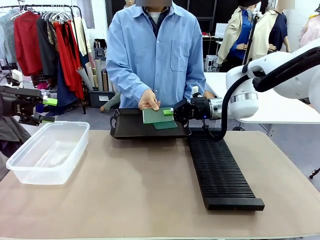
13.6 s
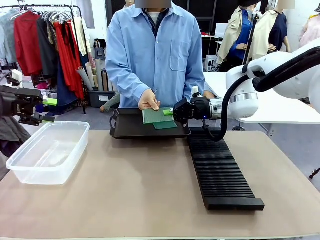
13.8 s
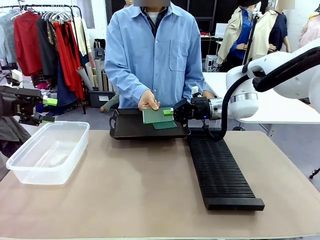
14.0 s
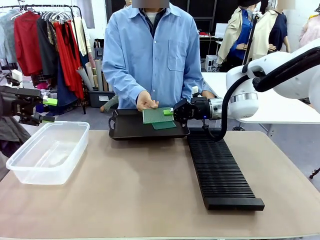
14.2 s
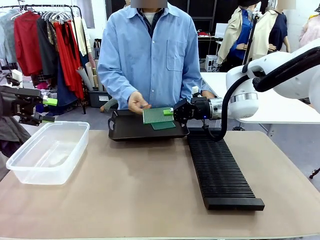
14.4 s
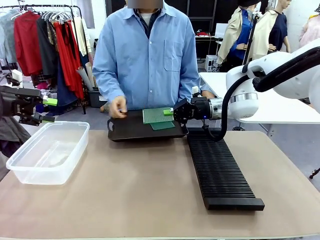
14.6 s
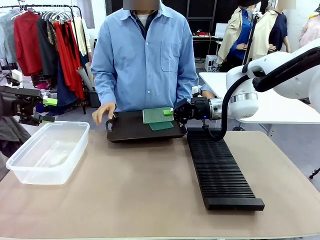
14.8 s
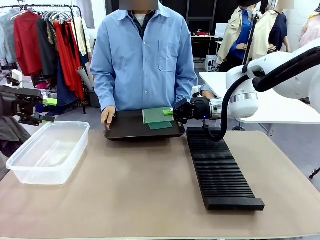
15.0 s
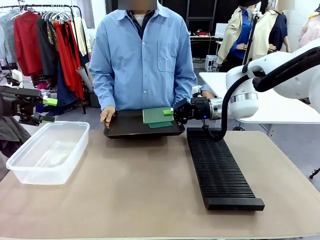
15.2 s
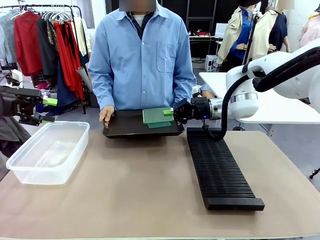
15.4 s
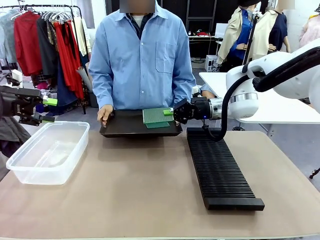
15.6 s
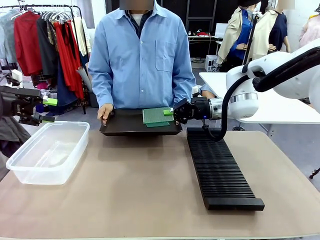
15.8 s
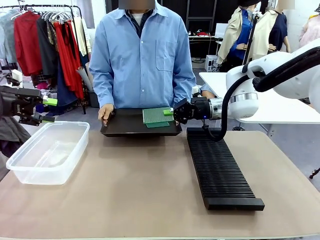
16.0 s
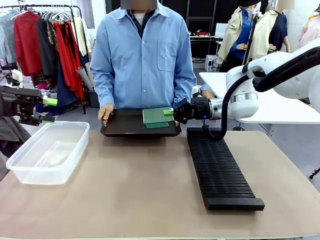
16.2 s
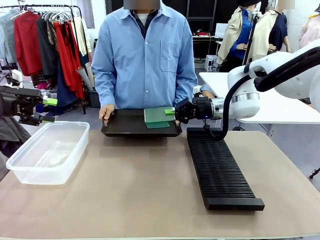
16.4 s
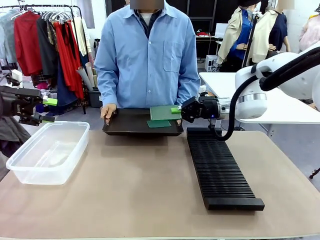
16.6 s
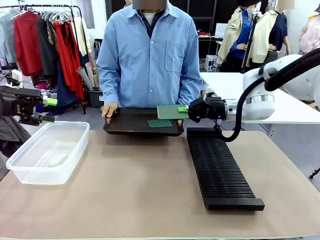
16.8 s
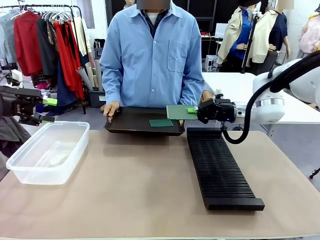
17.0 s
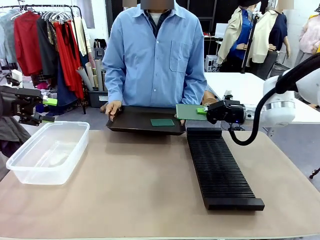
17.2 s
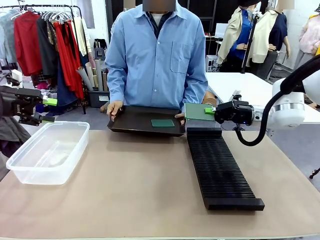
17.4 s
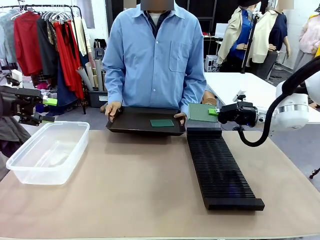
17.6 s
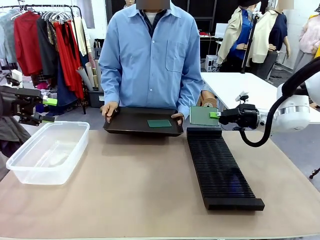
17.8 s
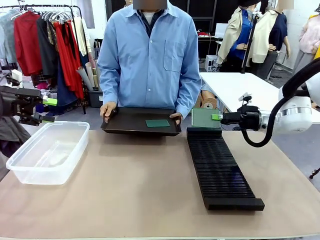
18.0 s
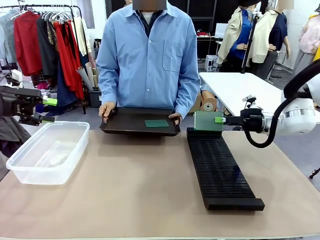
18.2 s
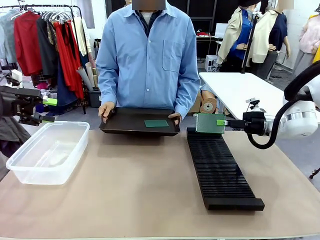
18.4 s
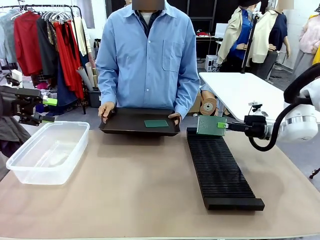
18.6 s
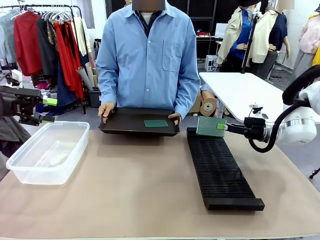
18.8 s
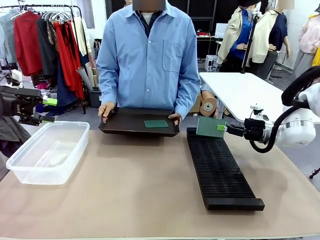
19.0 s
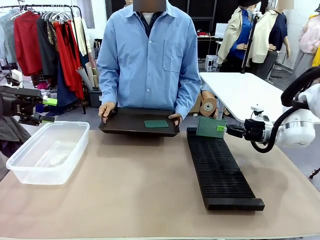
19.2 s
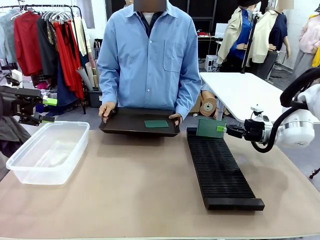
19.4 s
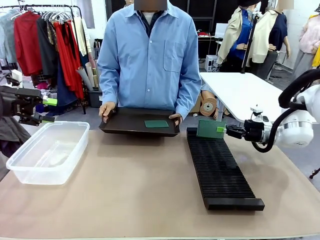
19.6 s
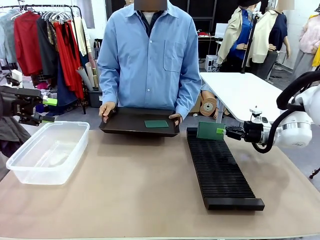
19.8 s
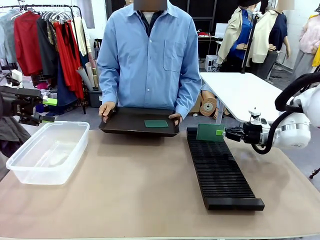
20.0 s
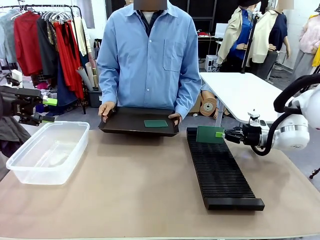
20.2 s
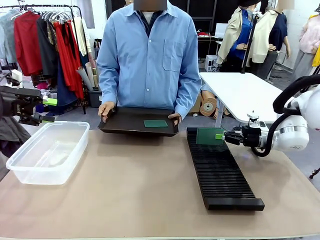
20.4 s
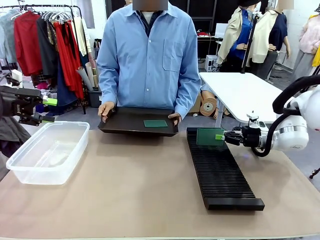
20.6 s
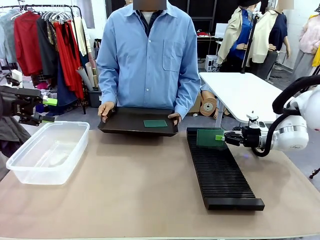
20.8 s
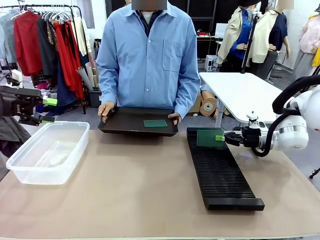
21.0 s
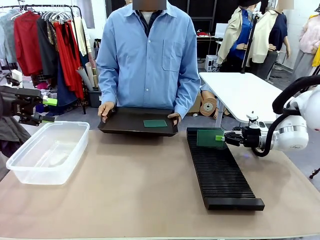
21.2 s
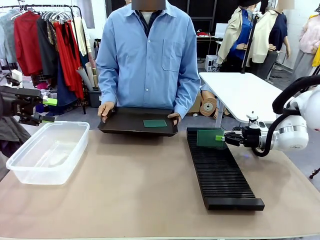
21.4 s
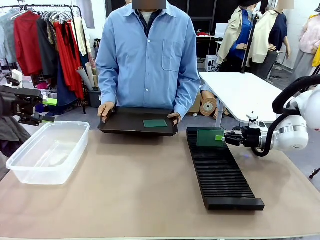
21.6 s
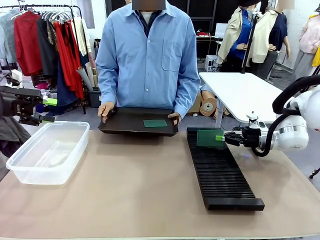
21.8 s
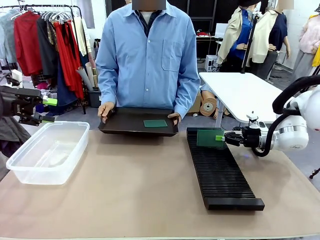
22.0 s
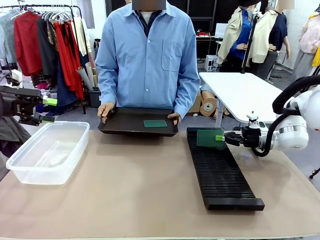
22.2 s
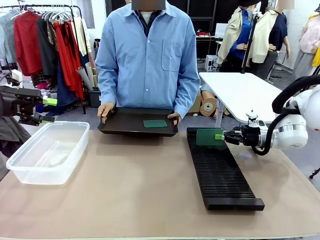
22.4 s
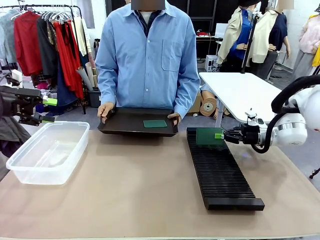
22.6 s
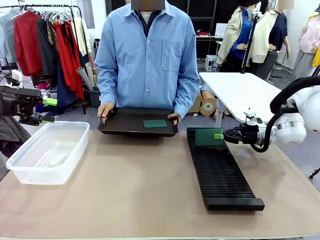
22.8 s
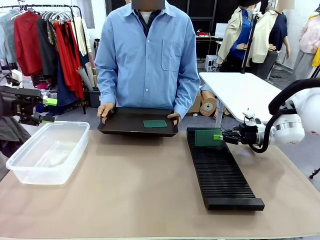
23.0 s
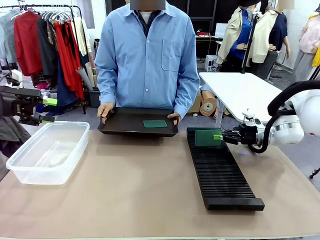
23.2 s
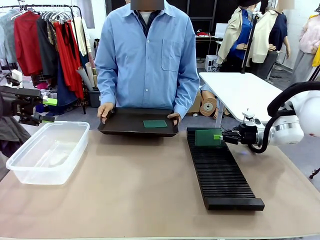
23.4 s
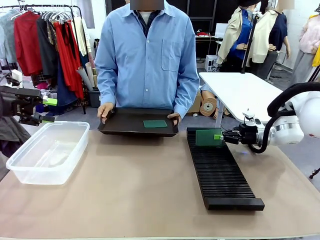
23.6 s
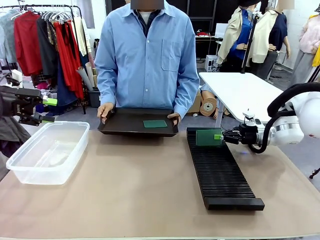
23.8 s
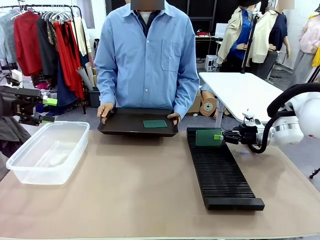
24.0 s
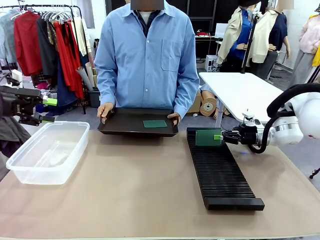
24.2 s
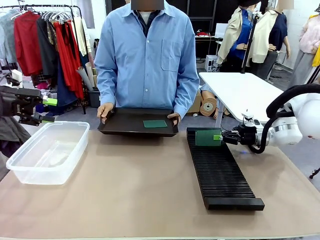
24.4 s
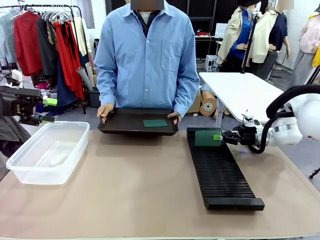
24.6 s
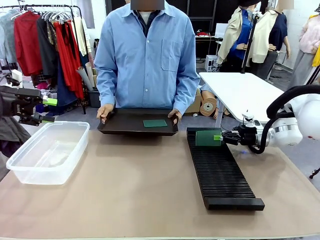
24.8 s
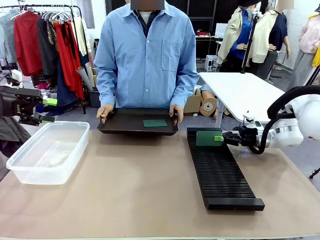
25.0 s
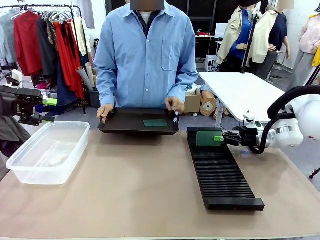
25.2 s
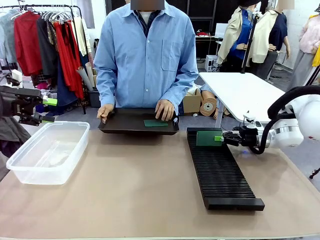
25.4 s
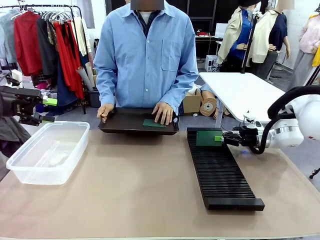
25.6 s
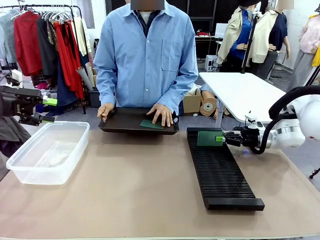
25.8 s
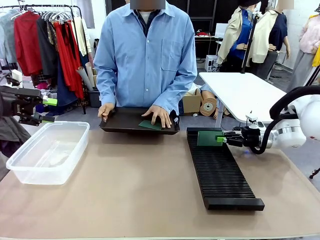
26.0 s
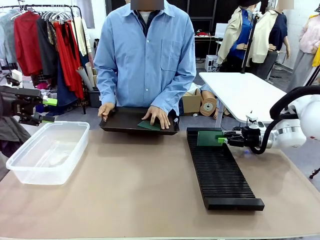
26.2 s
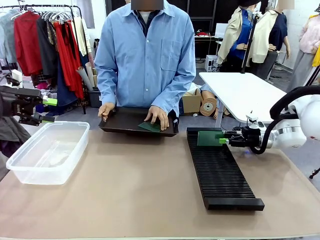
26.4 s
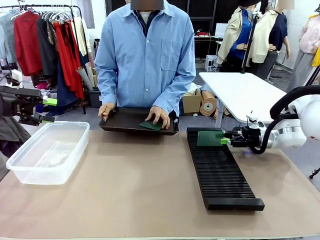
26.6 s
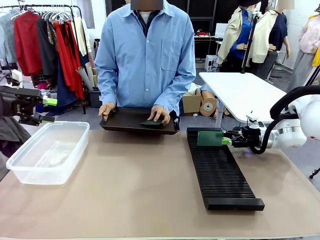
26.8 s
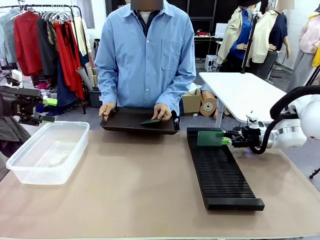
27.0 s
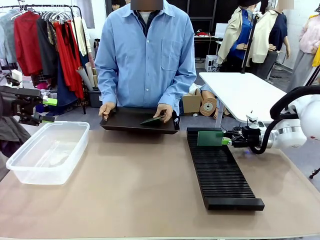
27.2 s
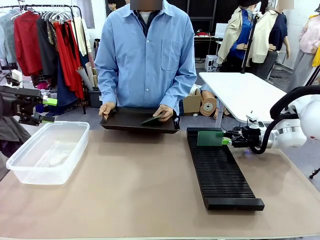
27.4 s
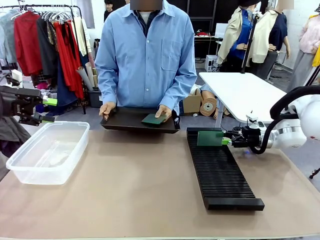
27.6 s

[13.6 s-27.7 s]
Task: Sort PCBs into racks and boxes based on the side picked up.
Robot: If the short side of the Blank PCB is picked up, insert it into the PCB Rack ; if the long side is picked up, place it in the Organizing box.
Person: Pick one PCB from the tray and present it to the robot.
